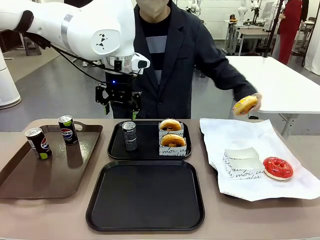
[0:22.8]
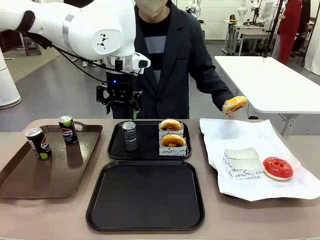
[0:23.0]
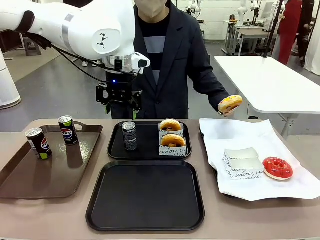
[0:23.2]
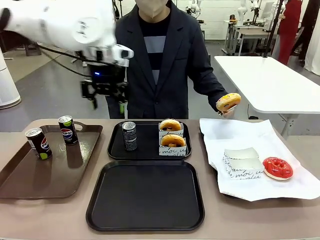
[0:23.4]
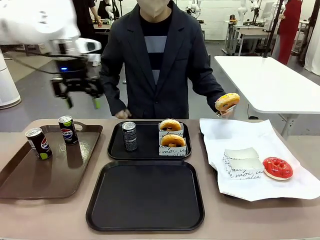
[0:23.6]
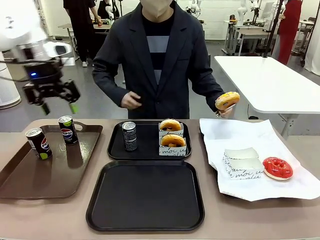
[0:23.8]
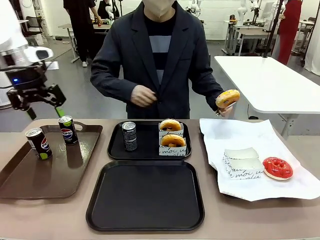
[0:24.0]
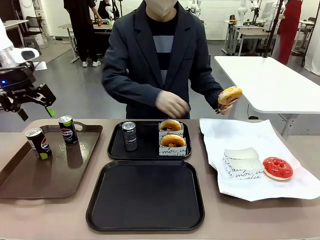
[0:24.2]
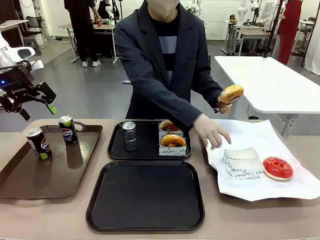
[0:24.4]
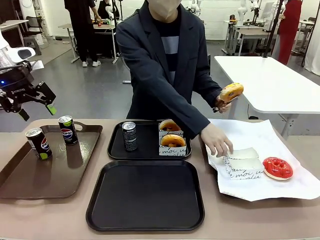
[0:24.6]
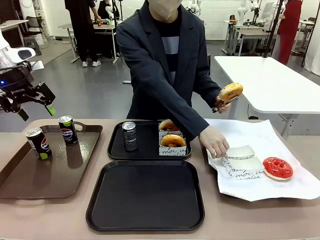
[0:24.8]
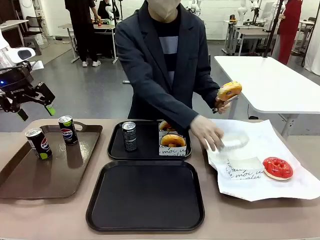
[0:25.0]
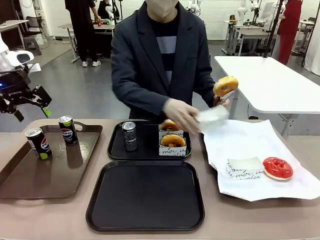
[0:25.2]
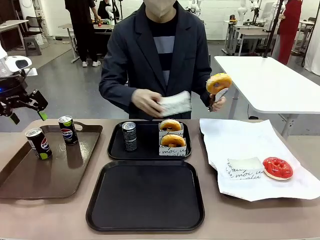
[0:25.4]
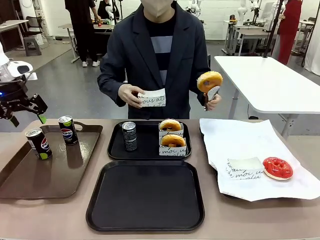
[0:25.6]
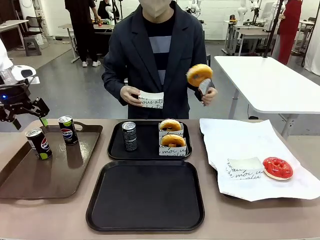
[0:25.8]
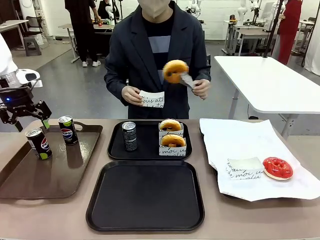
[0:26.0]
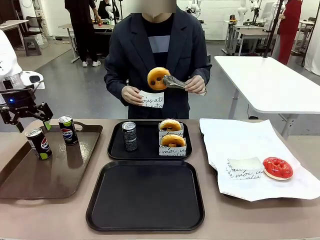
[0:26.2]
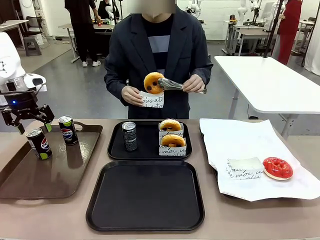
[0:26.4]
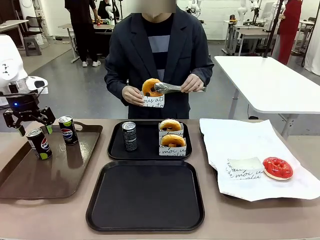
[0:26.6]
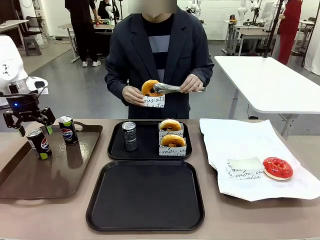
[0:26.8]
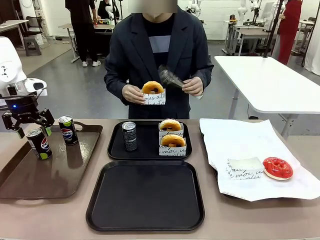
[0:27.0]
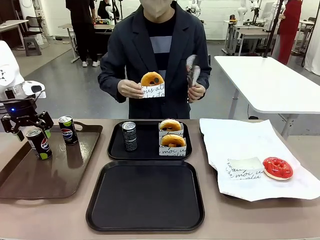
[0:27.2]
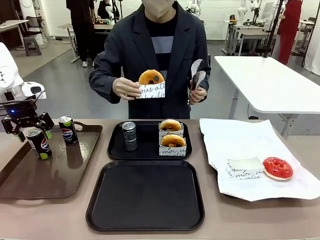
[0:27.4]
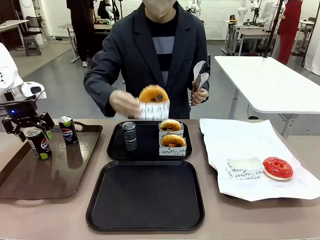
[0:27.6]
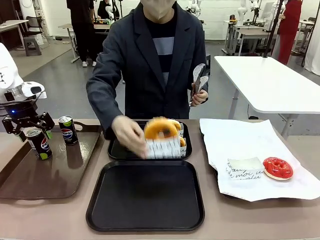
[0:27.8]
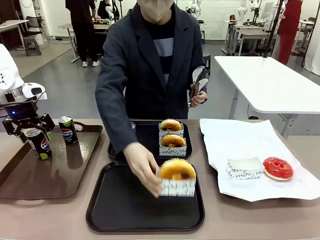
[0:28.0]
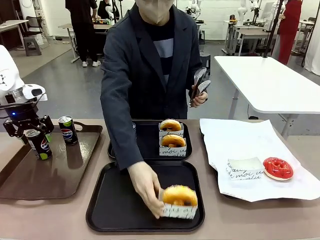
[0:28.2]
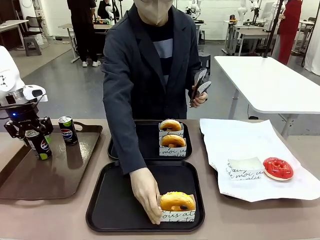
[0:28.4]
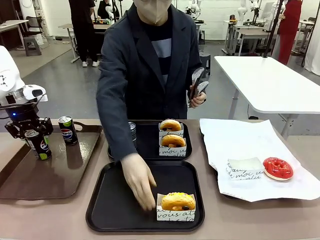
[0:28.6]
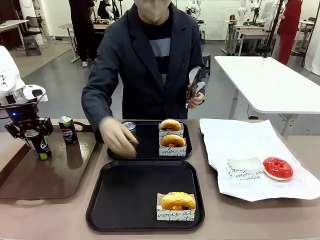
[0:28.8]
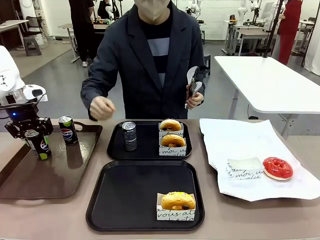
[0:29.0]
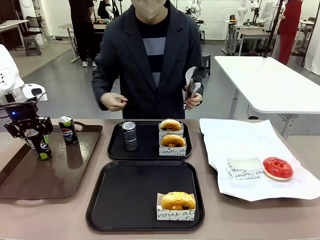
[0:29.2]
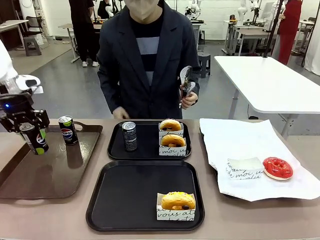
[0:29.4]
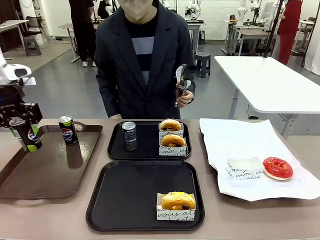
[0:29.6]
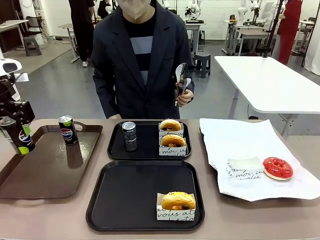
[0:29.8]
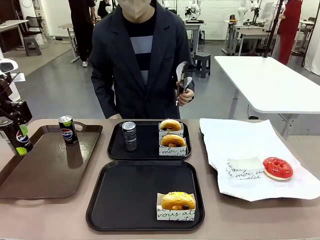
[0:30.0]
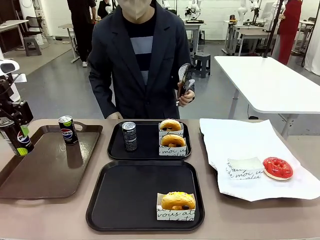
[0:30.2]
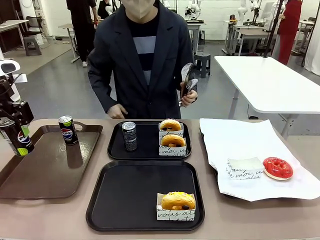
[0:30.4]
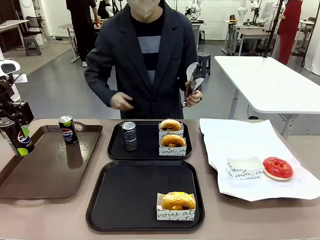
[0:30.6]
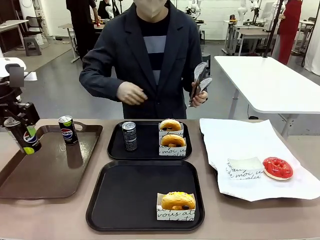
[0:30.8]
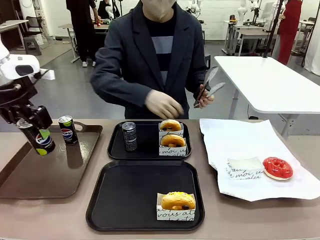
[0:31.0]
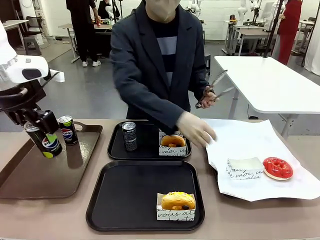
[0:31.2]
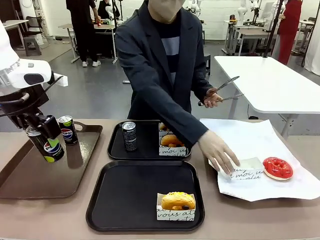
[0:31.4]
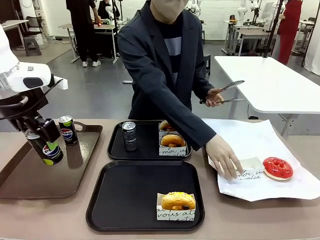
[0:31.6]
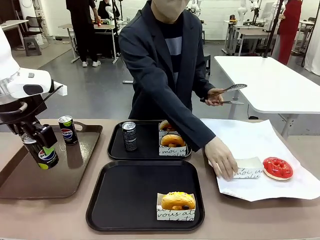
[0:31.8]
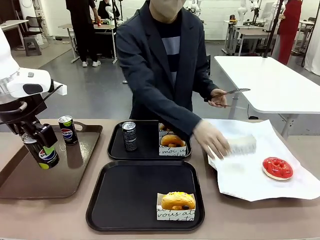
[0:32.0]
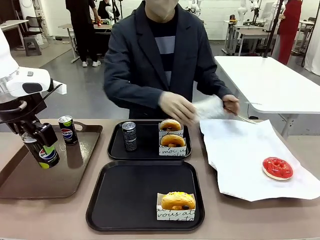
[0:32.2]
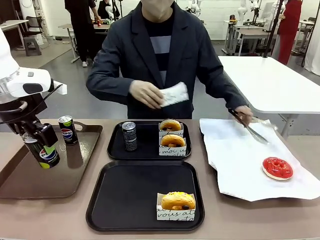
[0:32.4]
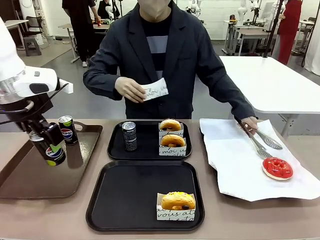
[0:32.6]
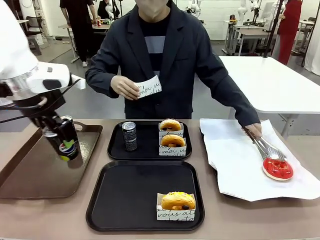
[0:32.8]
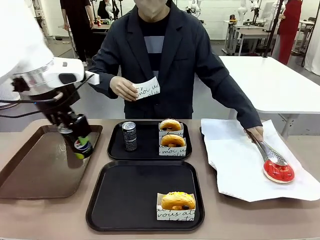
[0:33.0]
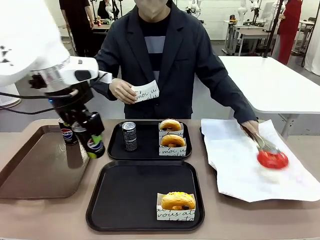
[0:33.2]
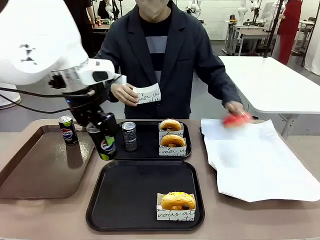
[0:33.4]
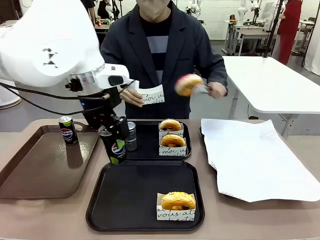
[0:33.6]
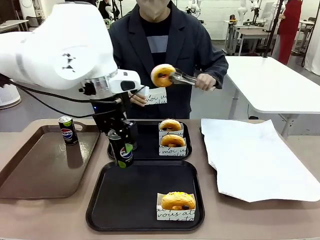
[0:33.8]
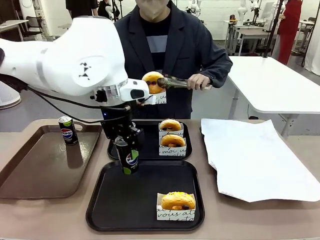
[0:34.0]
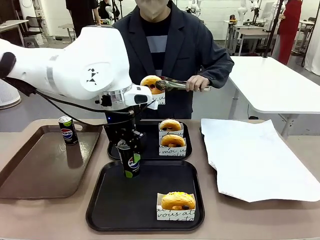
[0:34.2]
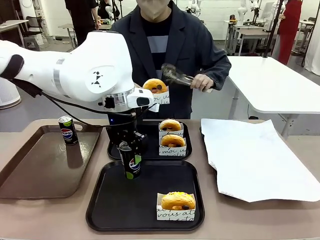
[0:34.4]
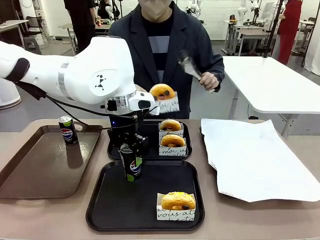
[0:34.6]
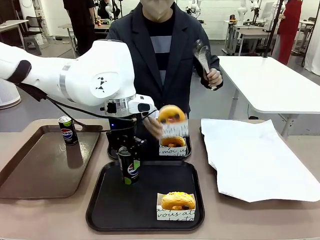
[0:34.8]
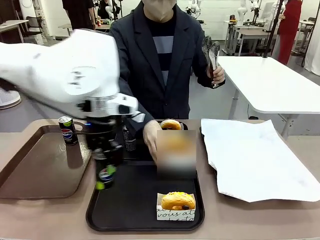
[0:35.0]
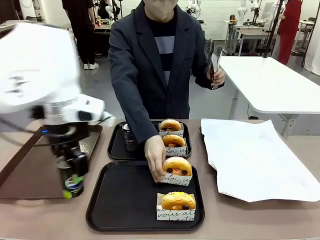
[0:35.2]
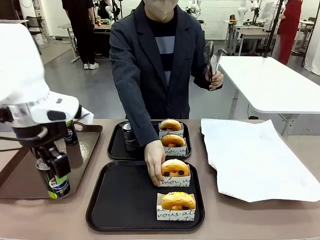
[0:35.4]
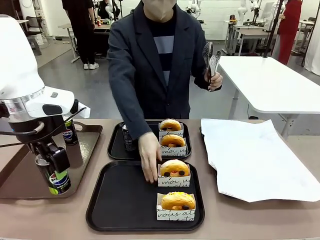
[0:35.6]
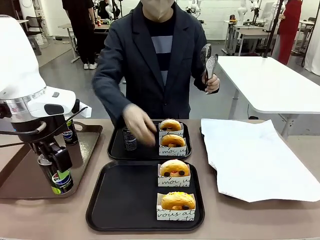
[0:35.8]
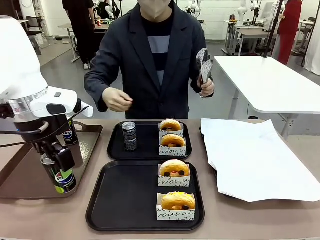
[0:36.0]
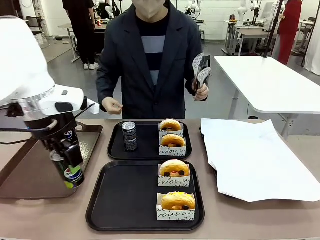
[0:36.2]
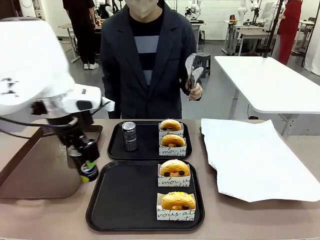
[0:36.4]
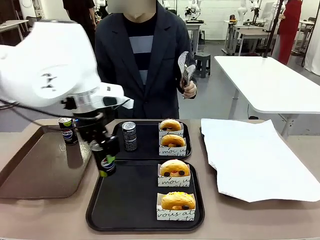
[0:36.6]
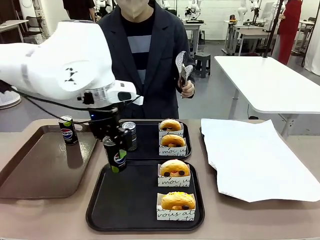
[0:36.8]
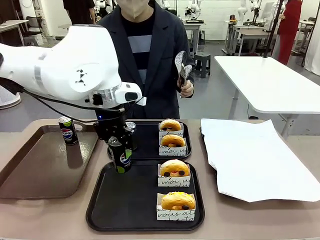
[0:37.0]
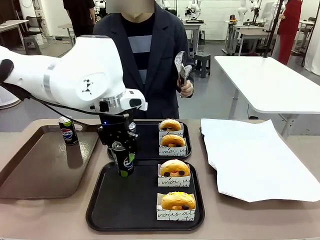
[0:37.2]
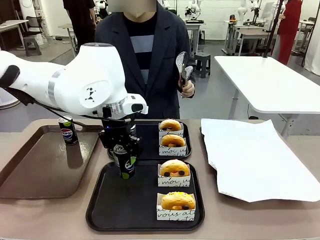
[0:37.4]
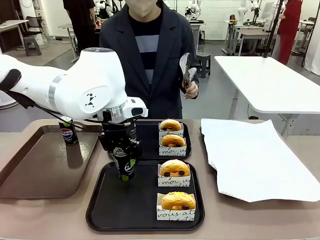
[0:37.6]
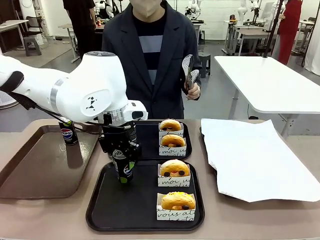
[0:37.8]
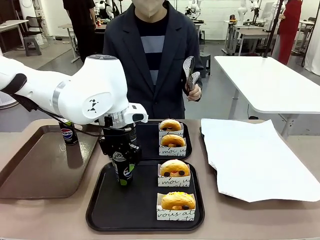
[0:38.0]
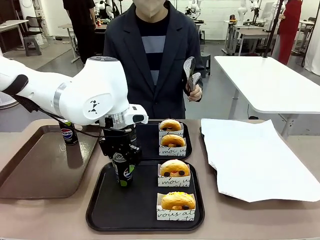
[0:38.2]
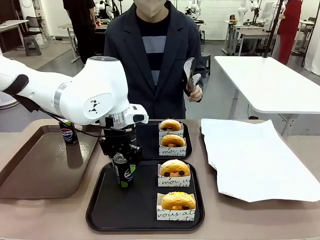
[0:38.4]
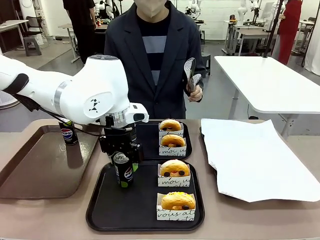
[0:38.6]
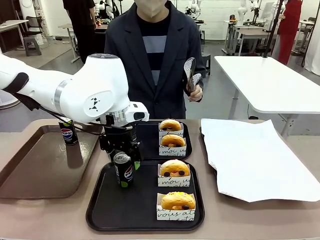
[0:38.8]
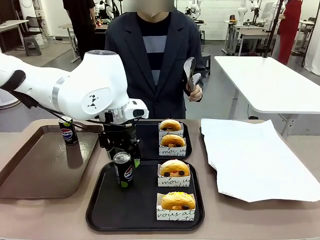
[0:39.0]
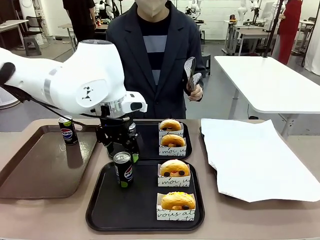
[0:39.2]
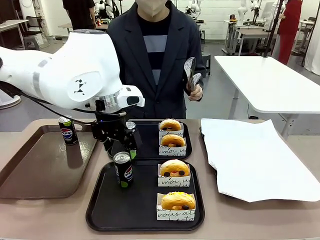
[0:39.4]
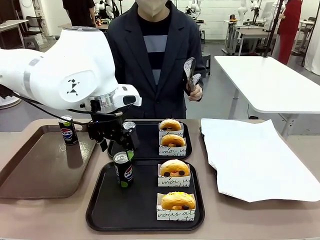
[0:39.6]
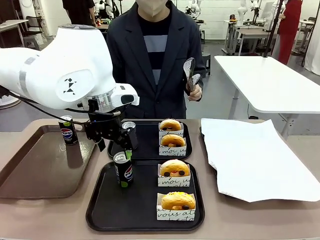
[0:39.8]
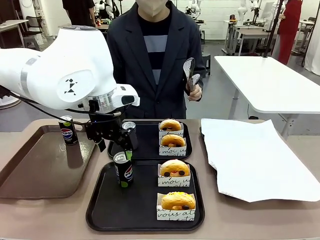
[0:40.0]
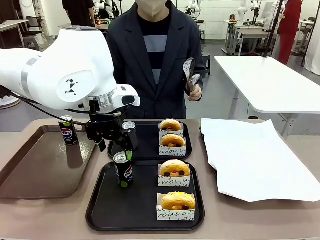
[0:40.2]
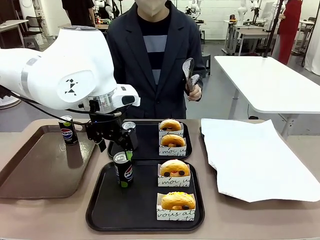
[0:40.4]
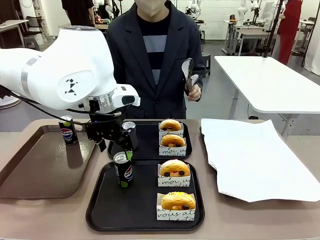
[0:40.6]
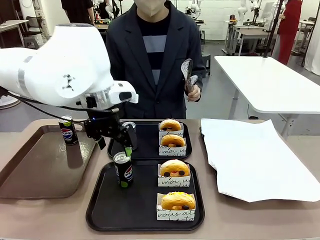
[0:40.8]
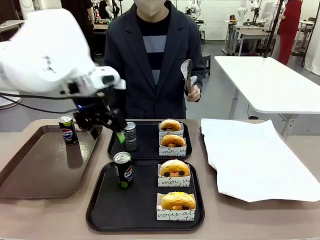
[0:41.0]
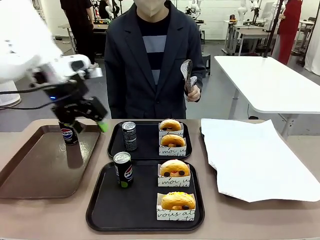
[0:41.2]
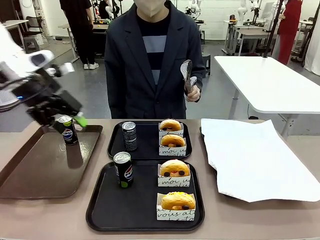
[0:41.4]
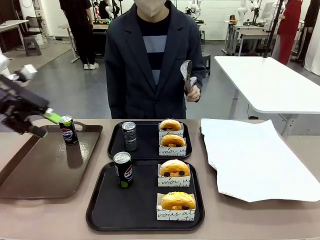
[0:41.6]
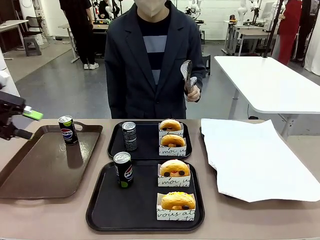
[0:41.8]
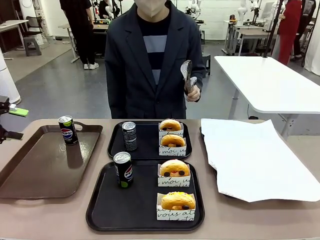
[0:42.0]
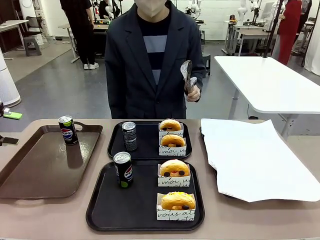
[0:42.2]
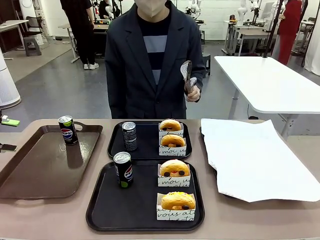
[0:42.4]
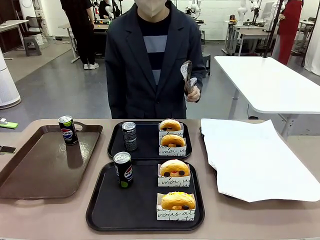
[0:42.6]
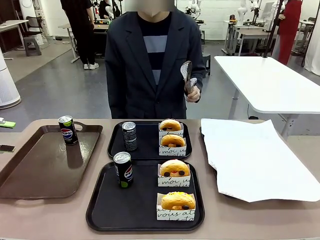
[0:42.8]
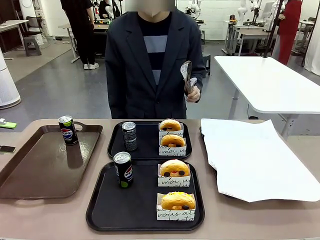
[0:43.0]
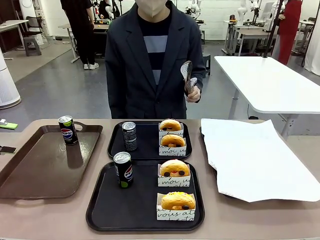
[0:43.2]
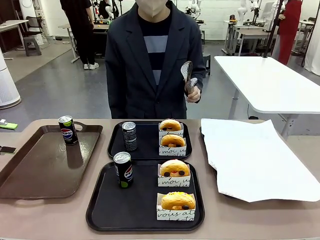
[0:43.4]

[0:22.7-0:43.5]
Task: Set up donuts and drinks on trays.
Robot: Pick up one Pepsi coke from the Handle tray and place it on the Flat Tray without a Pepsi coke.
